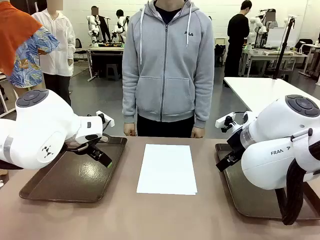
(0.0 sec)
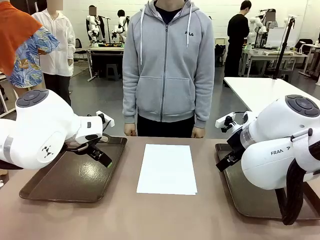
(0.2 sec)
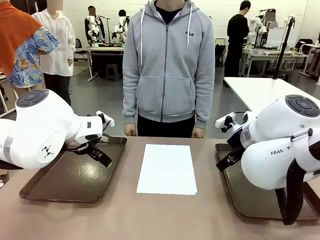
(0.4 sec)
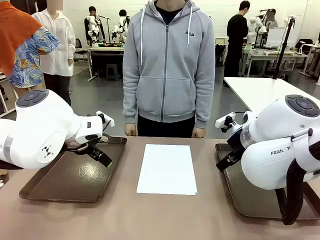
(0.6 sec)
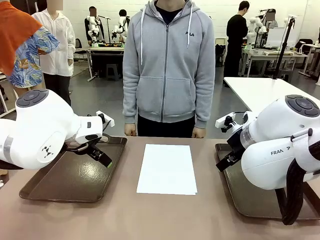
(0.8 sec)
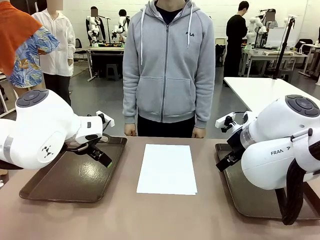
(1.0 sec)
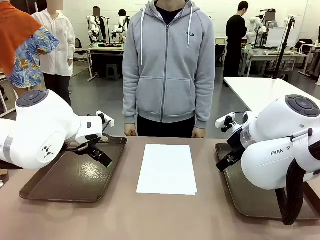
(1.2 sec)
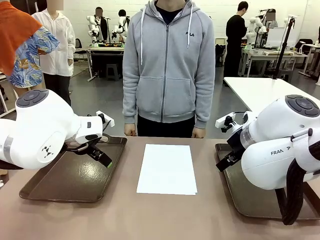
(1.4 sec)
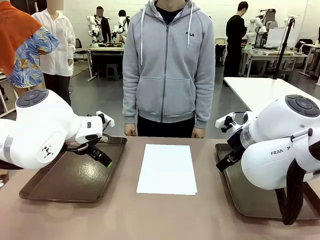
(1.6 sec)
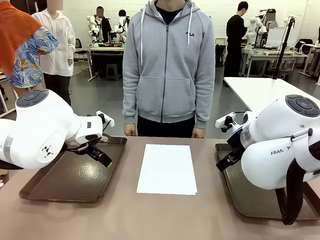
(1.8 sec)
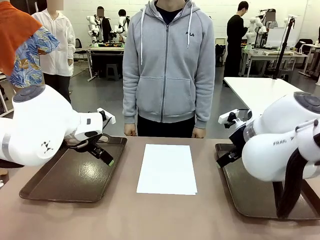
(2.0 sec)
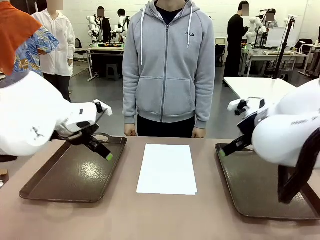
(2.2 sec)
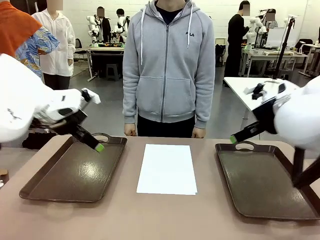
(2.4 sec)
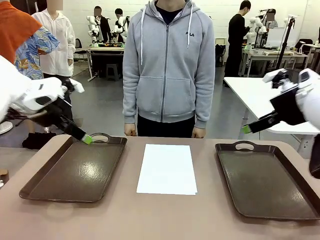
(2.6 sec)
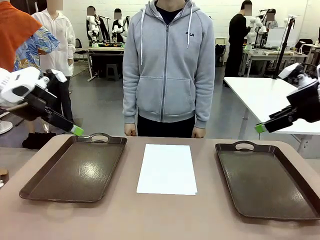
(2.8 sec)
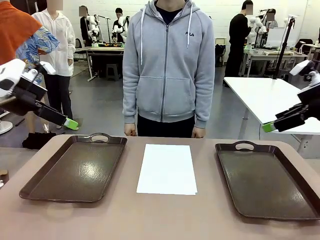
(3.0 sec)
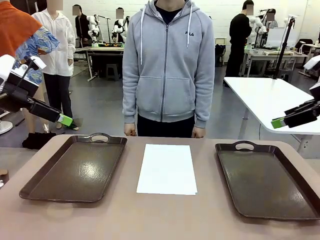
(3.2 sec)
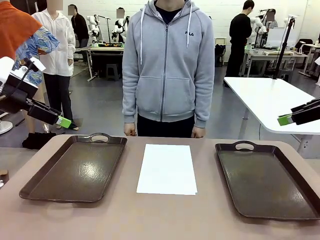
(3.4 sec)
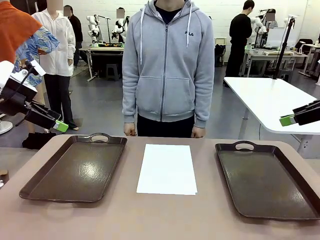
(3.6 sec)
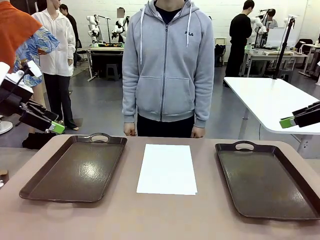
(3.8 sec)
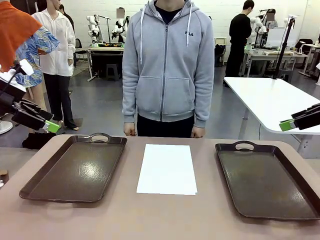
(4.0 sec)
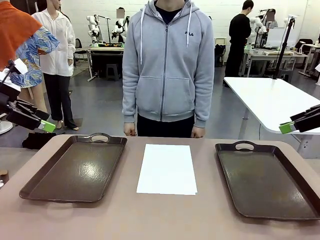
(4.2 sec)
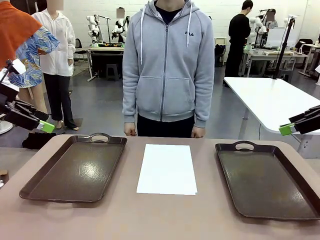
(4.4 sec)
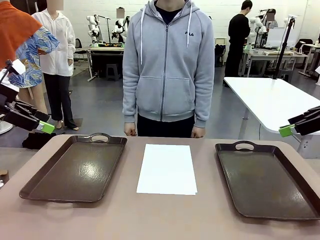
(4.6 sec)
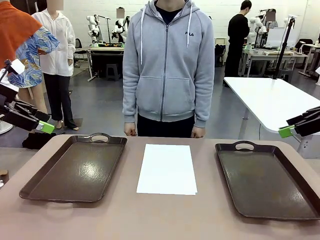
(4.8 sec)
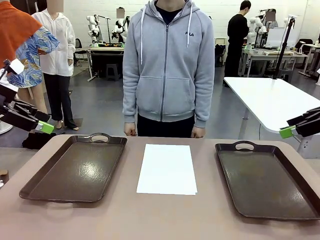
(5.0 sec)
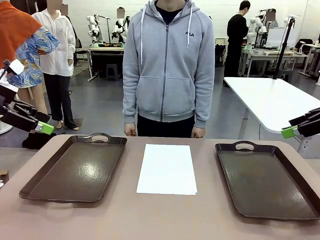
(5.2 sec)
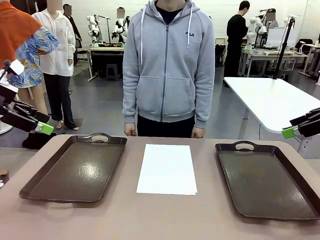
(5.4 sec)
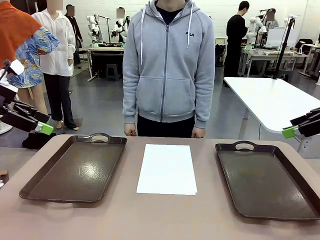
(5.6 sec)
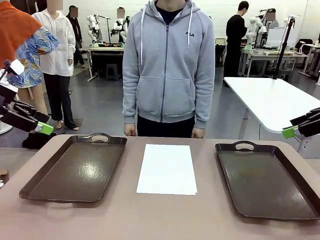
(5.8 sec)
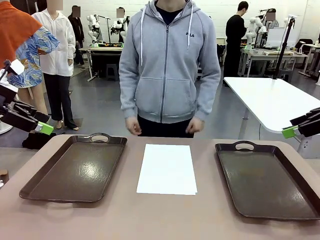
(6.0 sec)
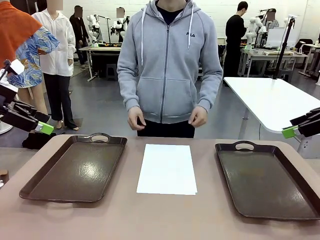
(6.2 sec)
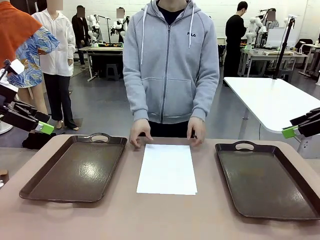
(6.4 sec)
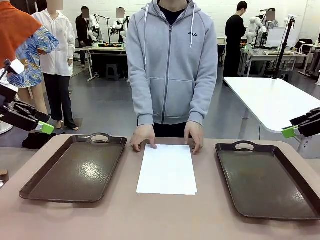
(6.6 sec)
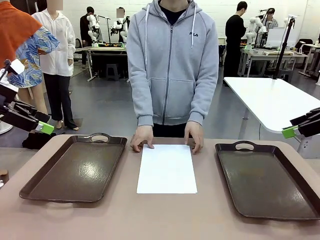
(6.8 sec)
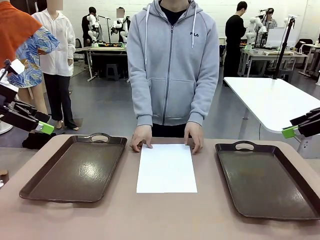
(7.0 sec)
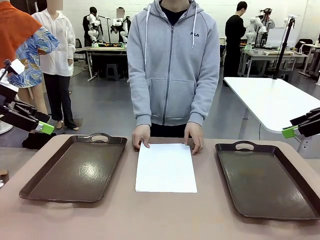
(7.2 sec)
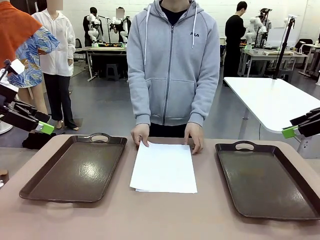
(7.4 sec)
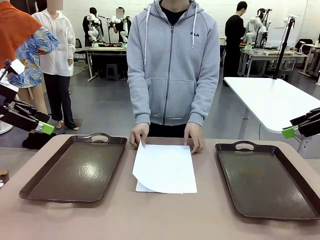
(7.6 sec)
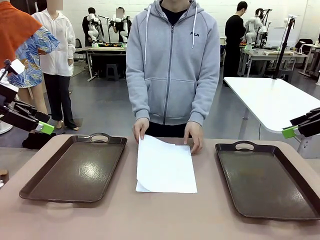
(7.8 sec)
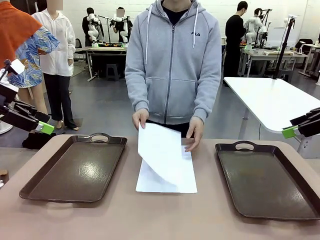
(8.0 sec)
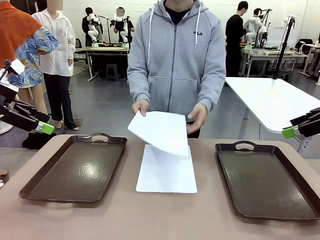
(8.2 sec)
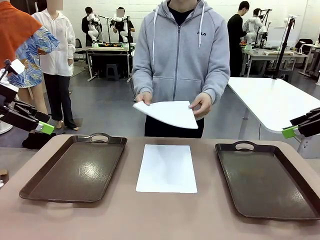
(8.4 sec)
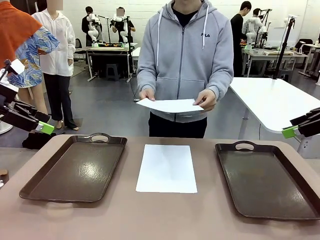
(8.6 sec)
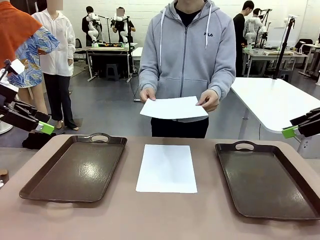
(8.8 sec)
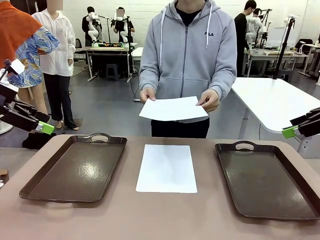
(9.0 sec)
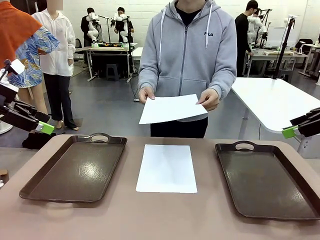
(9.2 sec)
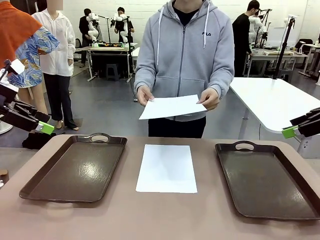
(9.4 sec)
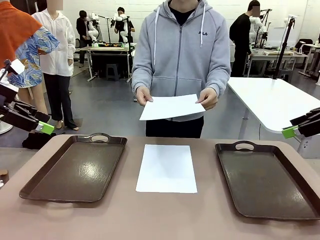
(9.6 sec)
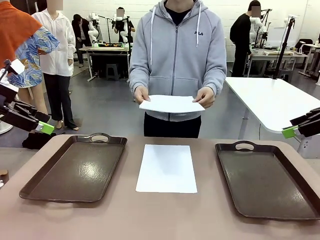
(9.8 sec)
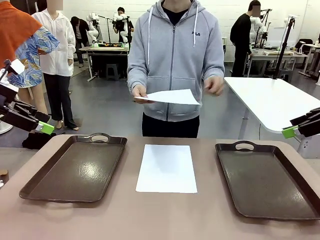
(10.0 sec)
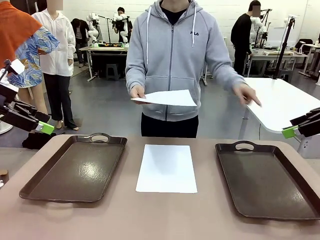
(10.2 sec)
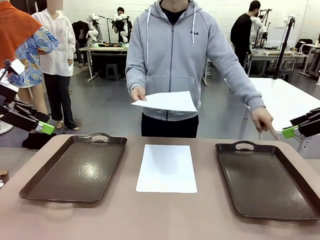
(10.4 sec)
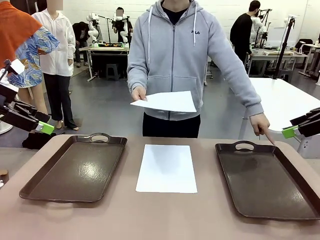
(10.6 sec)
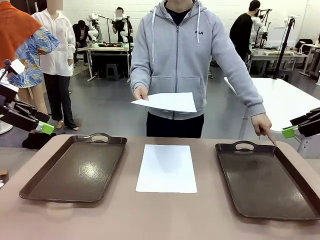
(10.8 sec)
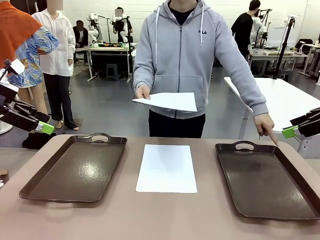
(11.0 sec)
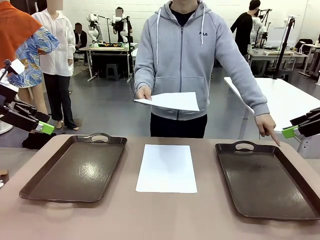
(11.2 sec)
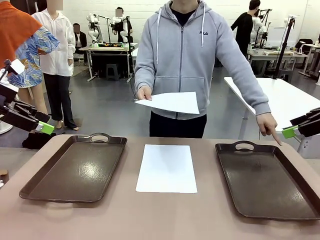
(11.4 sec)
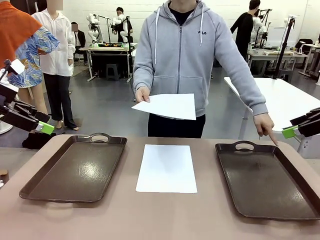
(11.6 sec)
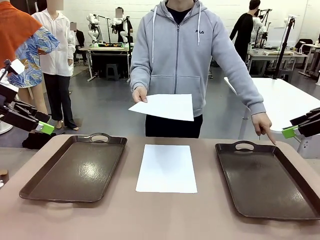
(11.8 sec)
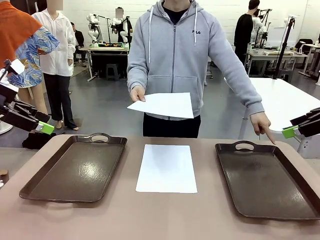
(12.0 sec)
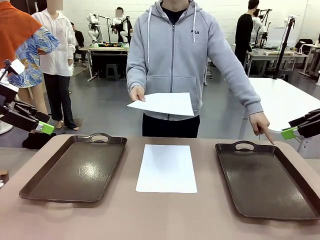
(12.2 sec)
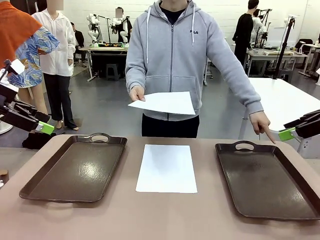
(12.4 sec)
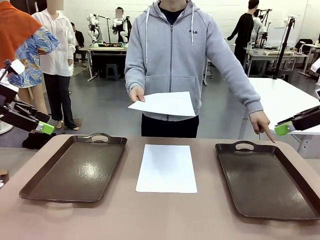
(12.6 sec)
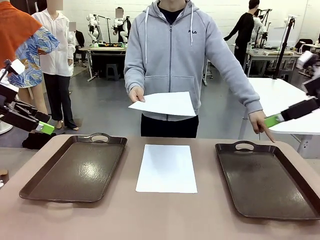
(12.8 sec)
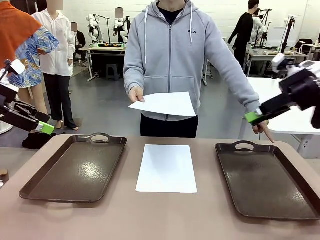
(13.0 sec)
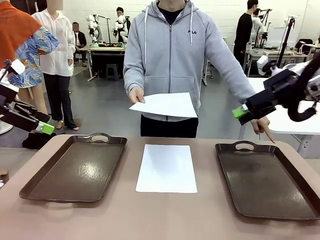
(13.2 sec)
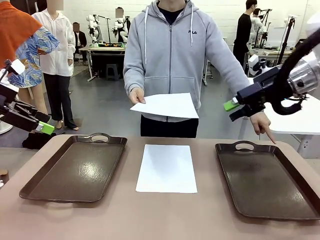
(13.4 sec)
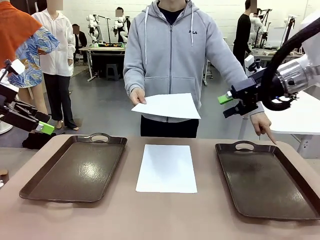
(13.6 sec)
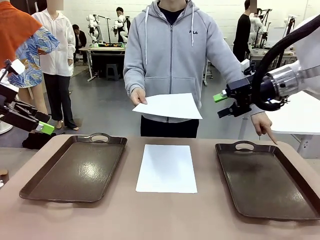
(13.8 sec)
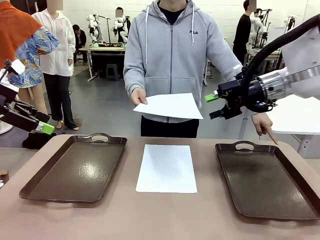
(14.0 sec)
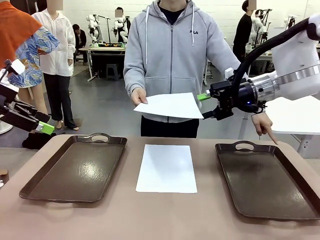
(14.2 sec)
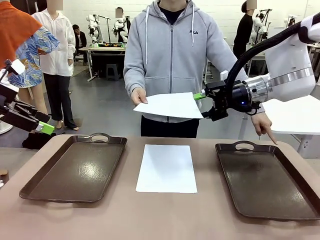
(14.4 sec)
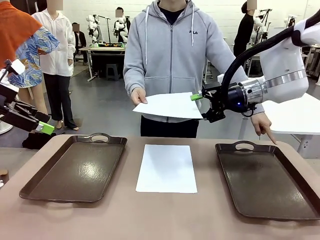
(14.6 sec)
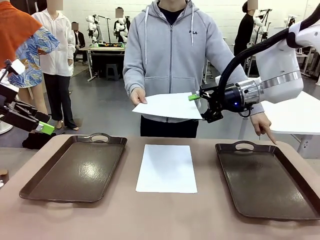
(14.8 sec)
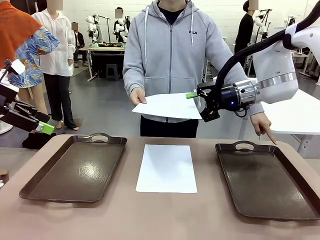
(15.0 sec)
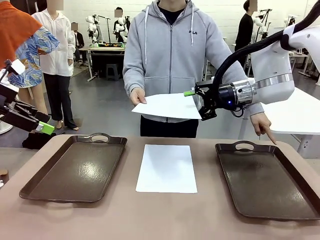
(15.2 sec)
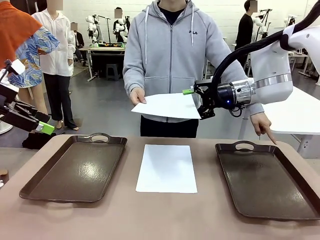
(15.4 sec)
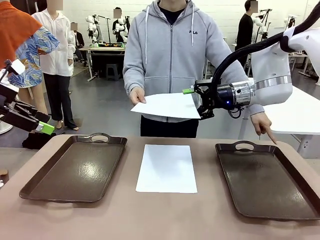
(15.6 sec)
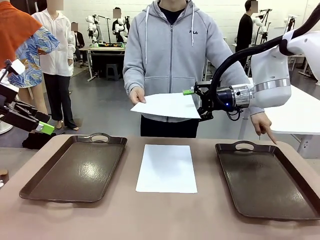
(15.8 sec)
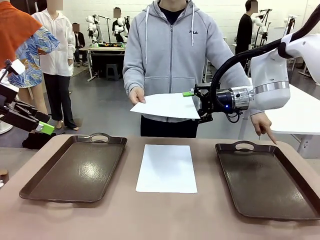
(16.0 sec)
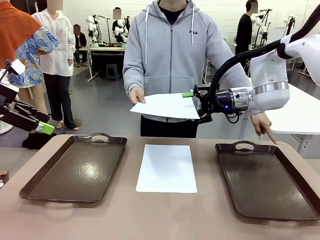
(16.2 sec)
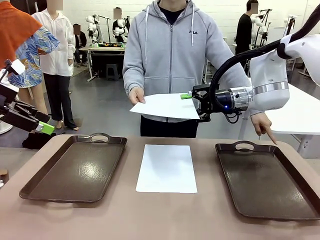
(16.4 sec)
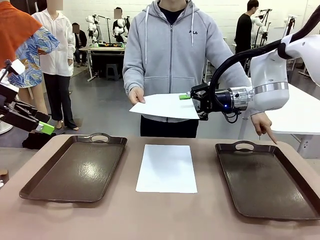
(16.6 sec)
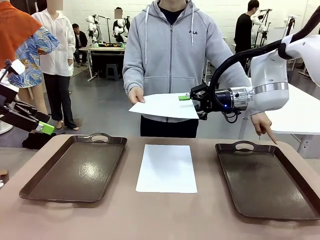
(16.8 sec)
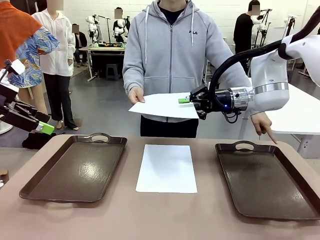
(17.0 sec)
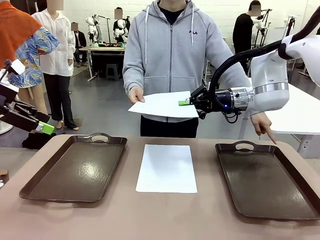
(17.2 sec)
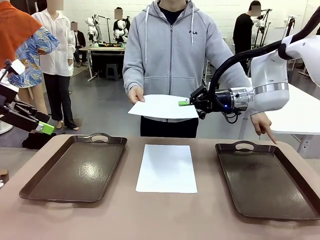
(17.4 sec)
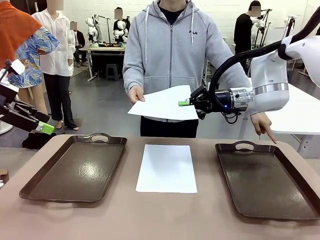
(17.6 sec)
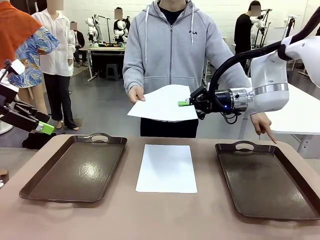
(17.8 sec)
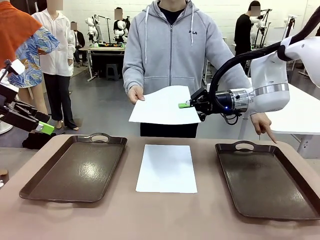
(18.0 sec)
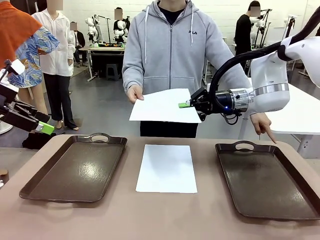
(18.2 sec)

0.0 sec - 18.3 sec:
Task: Sort the A4 documents.
Robot: Receive the A4 Paper.
Person: Pick up a sheet of paper from the center of the table and hand it to the robot. Point the randomly selected tray with the other hand.
